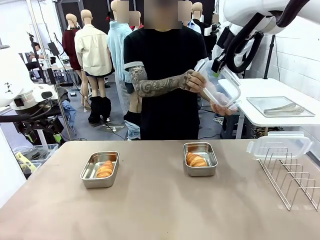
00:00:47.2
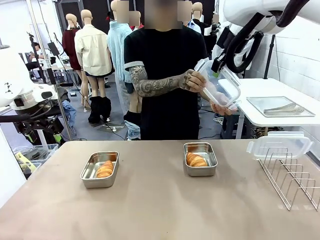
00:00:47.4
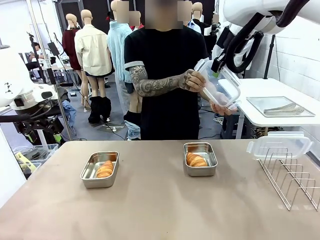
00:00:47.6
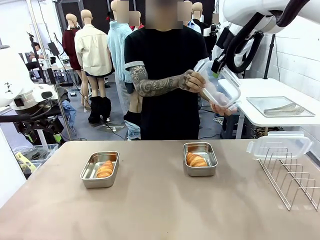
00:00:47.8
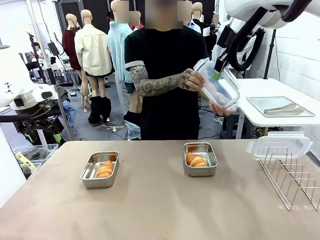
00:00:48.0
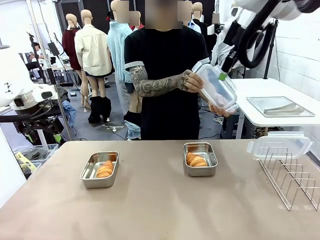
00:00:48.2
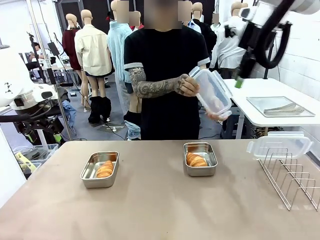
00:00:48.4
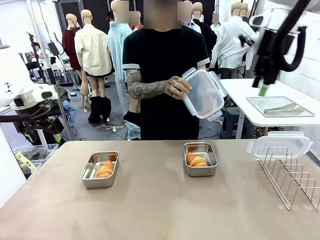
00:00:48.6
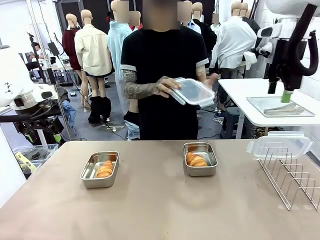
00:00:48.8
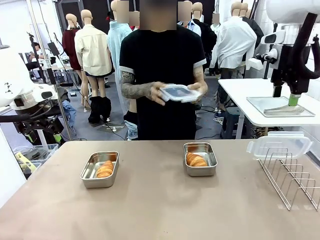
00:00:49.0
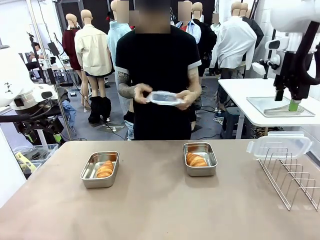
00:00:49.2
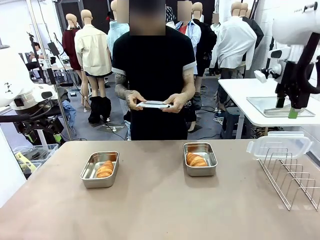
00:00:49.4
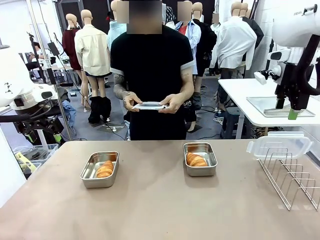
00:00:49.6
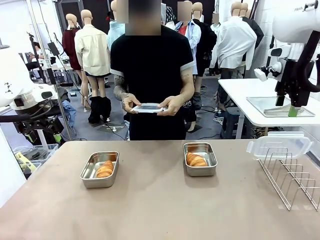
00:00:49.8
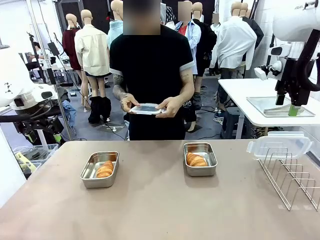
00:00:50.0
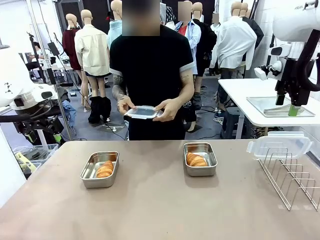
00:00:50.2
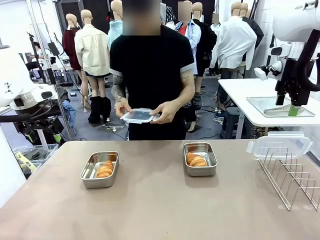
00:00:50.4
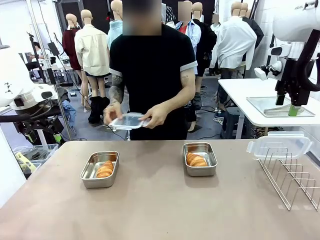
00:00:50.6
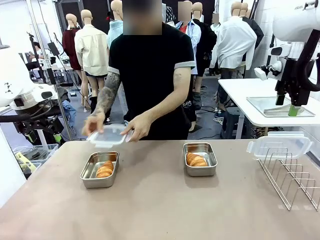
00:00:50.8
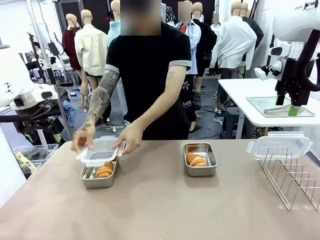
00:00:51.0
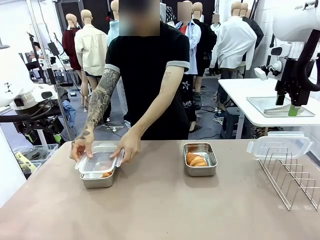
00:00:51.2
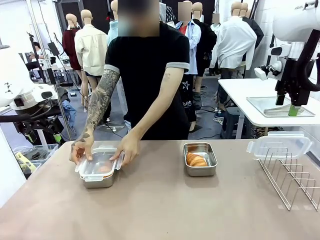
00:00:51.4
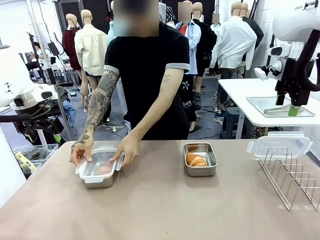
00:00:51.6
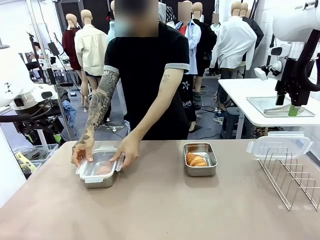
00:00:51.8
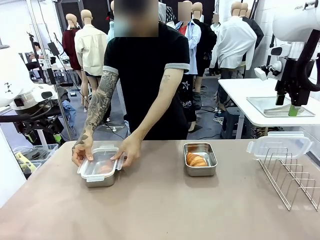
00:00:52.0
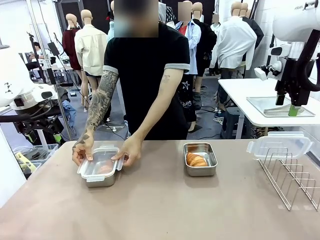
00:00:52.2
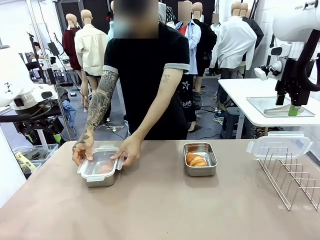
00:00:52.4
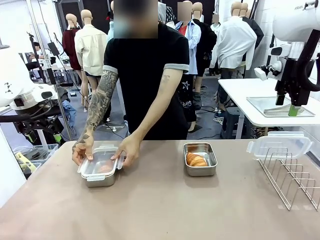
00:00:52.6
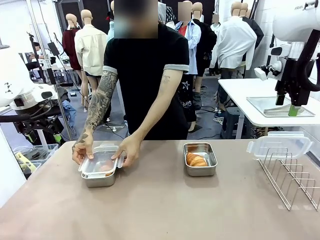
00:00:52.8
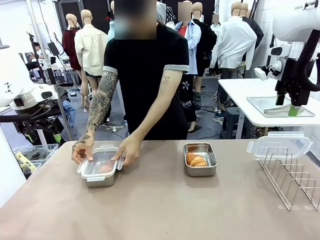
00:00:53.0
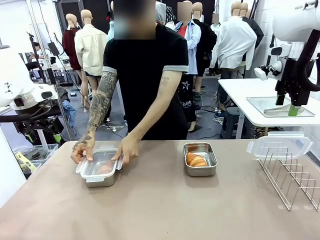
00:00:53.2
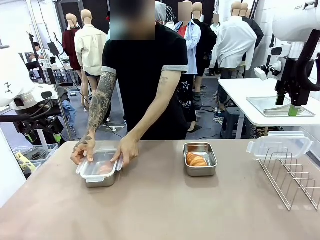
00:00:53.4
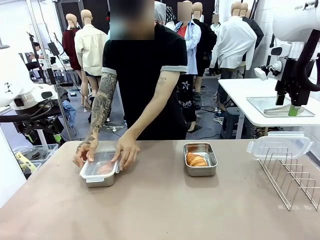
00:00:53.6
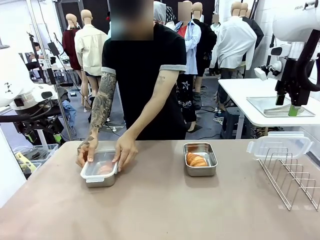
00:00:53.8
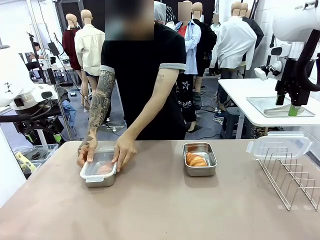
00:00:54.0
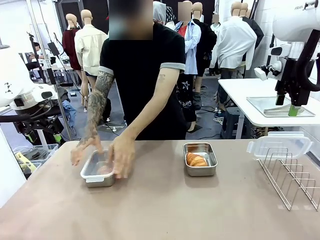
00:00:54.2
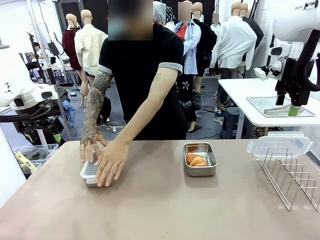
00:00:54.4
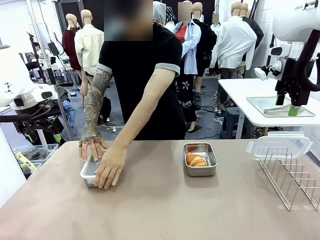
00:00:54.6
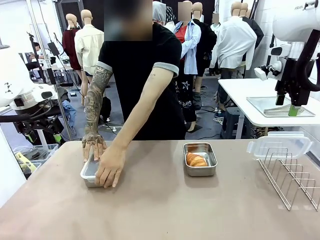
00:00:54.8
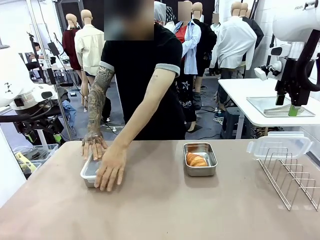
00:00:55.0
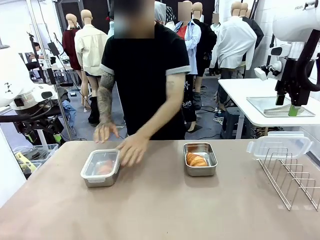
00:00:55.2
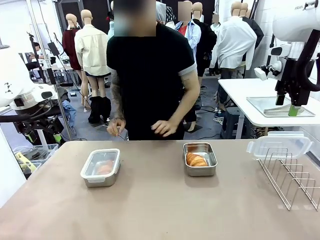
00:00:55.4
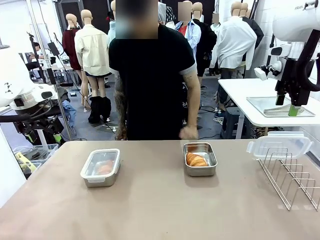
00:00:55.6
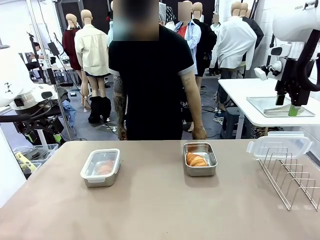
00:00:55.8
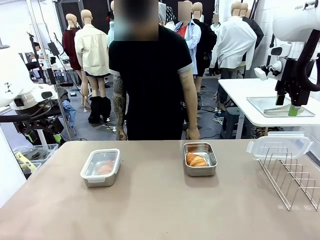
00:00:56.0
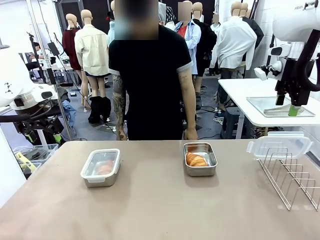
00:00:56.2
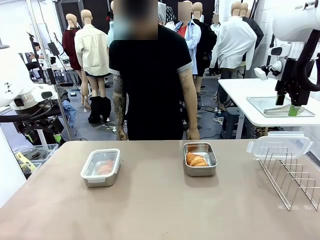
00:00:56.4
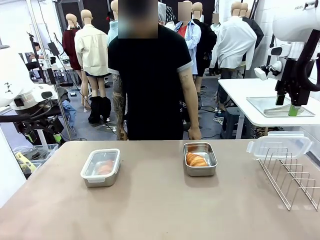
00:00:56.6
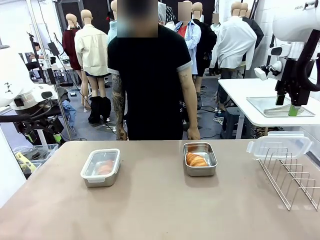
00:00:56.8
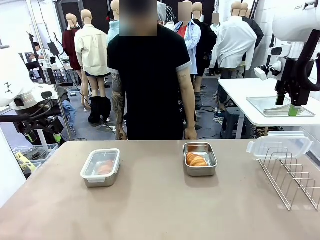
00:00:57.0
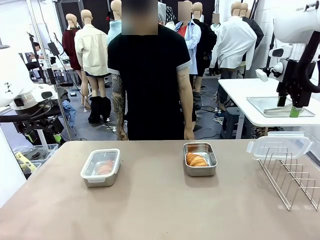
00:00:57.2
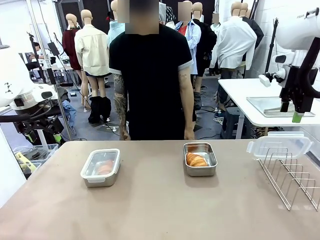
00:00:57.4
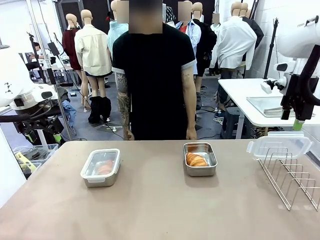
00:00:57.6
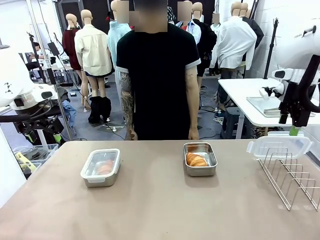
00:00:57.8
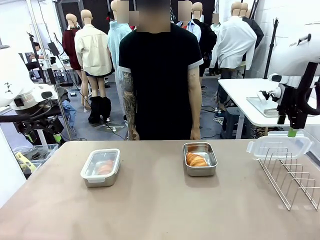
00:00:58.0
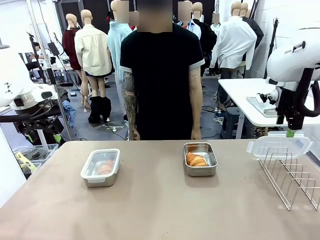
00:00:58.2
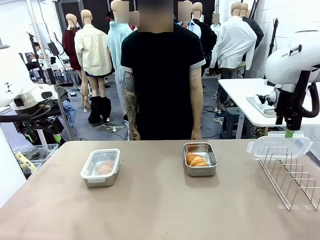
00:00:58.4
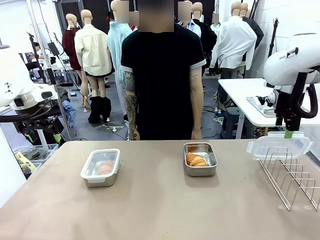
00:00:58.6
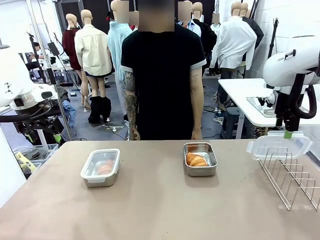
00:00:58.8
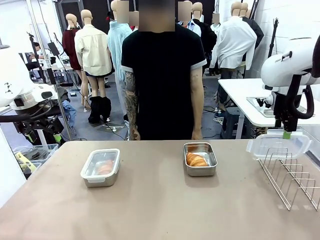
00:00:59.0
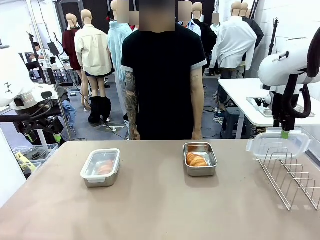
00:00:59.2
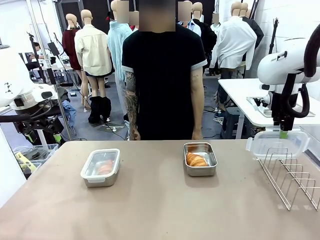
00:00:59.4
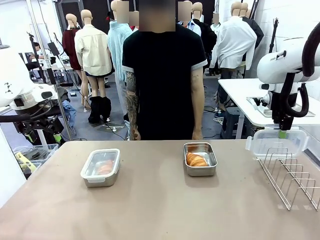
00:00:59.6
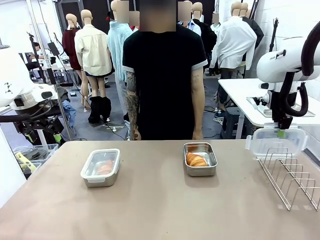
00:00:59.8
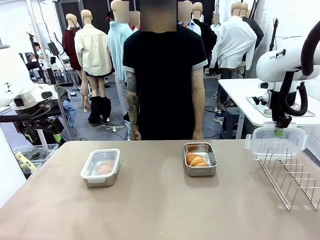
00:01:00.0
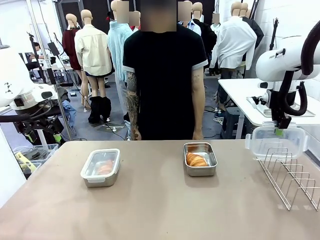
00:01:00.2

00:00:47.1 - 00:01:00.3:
Task: Place the bread in airtight containers.
Robot: Pick up one Airtight Container lid and hand it to the human.
Person: Close Airtight Container with a handed Airtight Container lid.

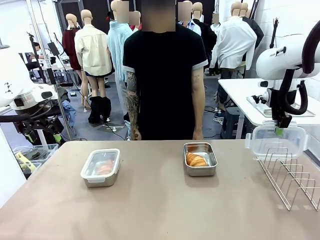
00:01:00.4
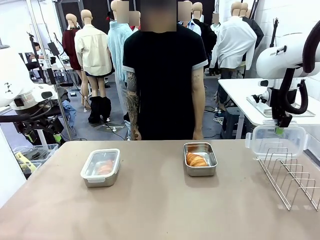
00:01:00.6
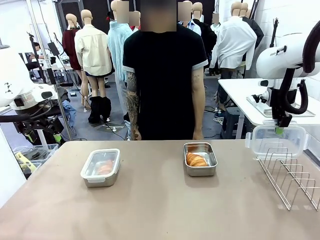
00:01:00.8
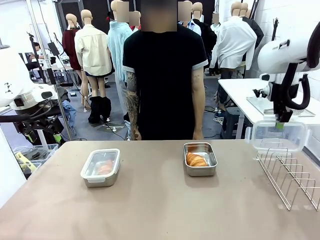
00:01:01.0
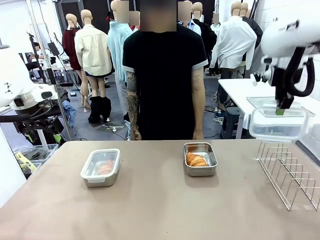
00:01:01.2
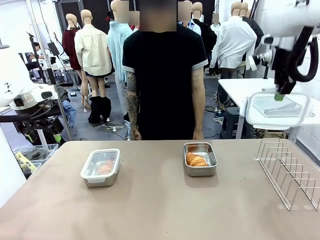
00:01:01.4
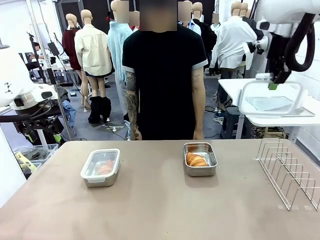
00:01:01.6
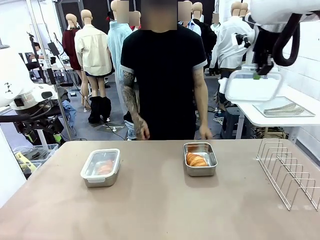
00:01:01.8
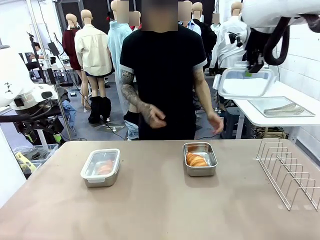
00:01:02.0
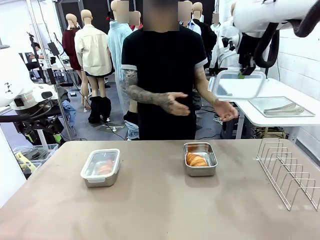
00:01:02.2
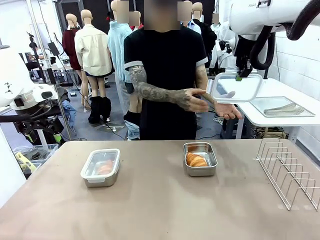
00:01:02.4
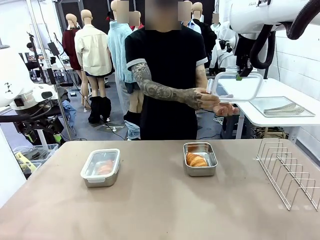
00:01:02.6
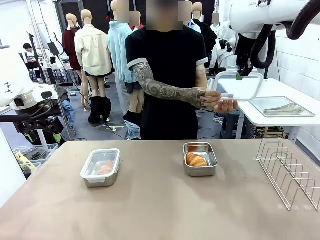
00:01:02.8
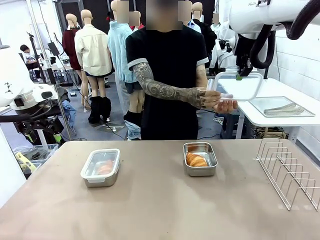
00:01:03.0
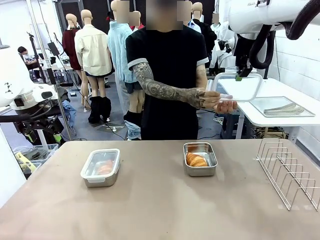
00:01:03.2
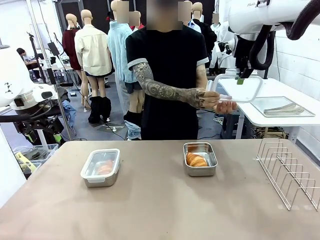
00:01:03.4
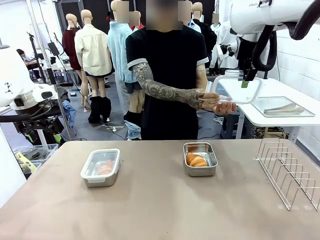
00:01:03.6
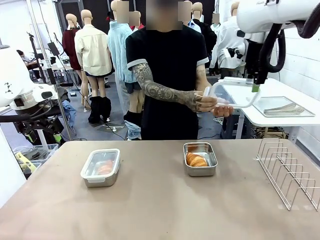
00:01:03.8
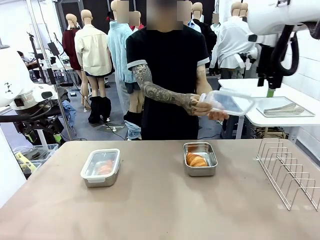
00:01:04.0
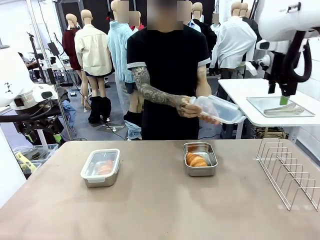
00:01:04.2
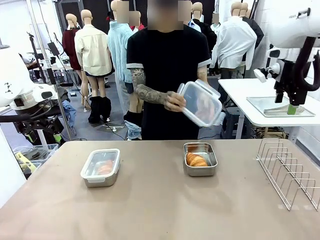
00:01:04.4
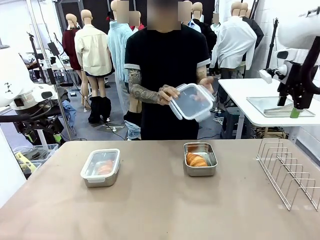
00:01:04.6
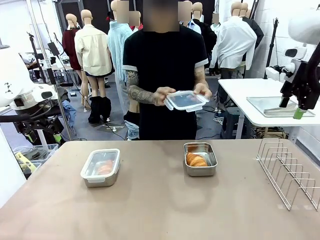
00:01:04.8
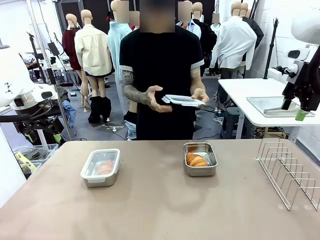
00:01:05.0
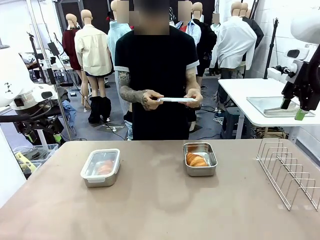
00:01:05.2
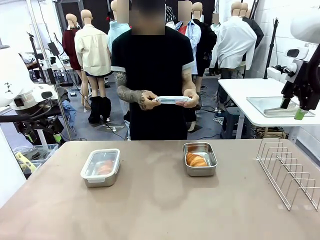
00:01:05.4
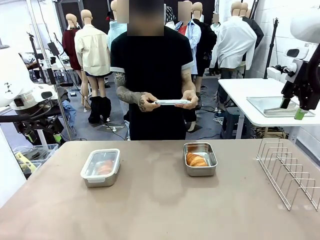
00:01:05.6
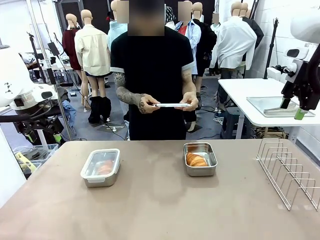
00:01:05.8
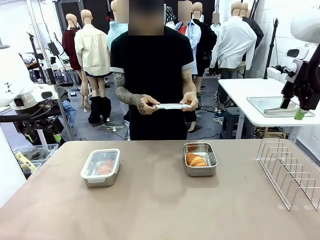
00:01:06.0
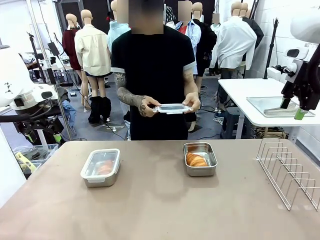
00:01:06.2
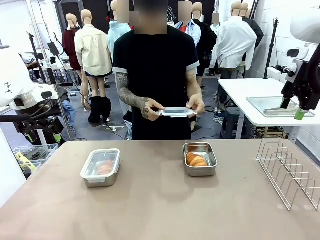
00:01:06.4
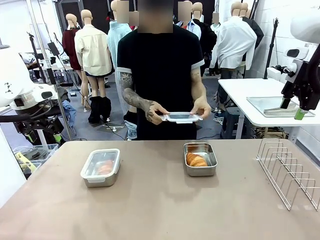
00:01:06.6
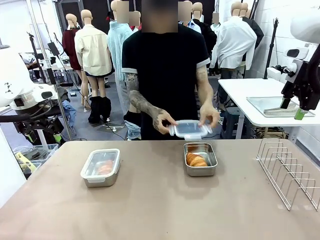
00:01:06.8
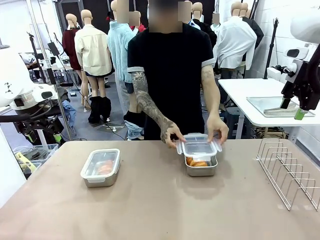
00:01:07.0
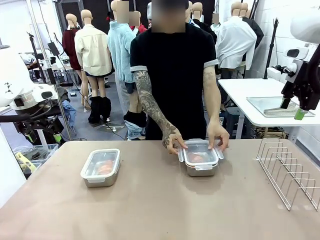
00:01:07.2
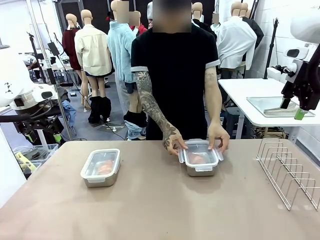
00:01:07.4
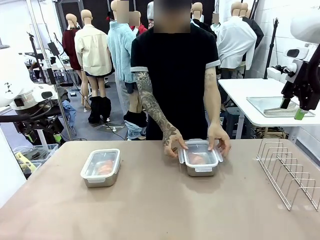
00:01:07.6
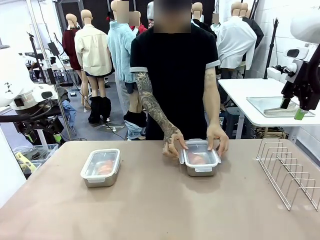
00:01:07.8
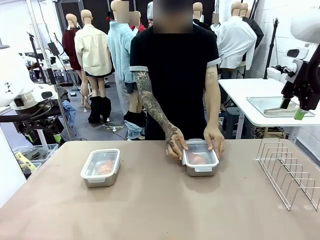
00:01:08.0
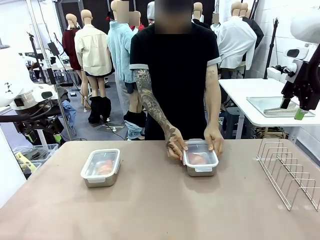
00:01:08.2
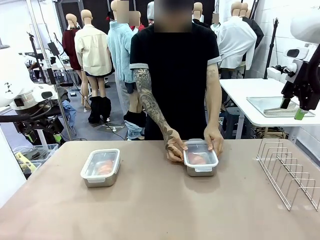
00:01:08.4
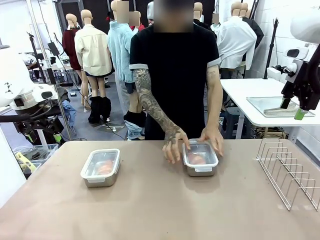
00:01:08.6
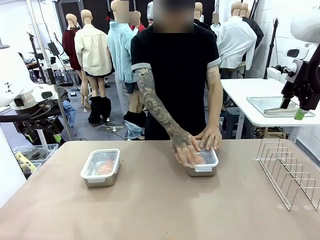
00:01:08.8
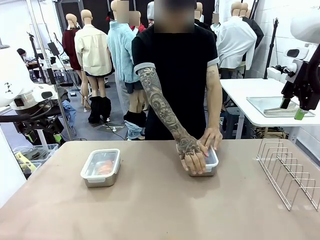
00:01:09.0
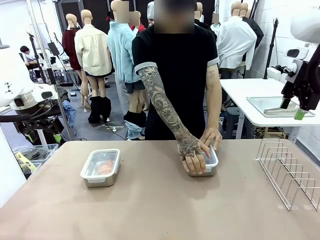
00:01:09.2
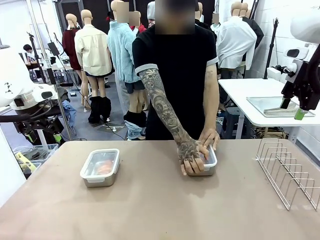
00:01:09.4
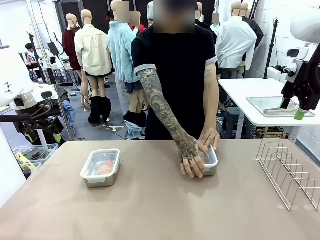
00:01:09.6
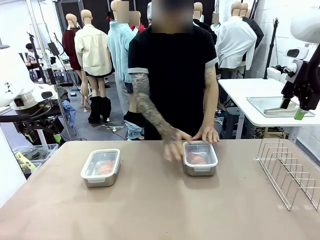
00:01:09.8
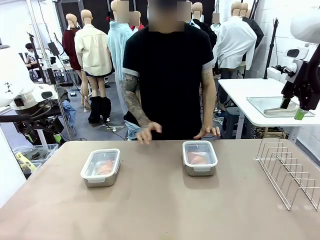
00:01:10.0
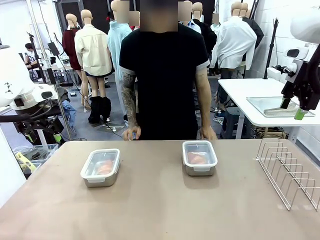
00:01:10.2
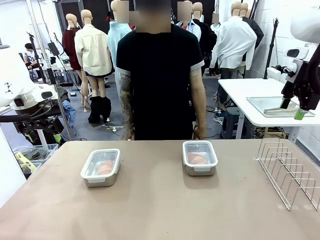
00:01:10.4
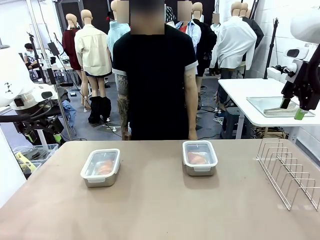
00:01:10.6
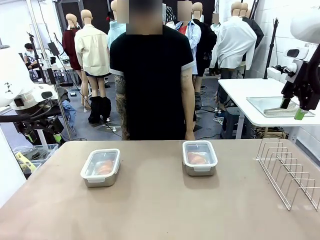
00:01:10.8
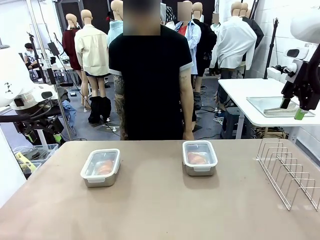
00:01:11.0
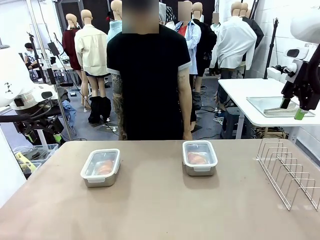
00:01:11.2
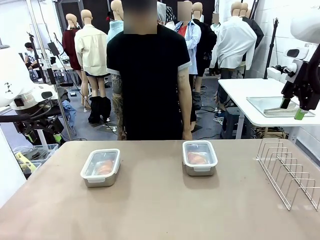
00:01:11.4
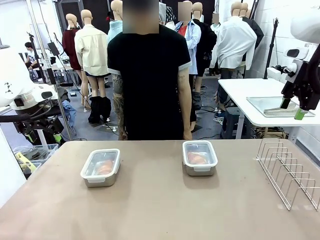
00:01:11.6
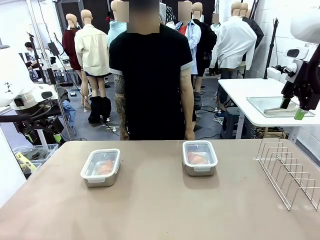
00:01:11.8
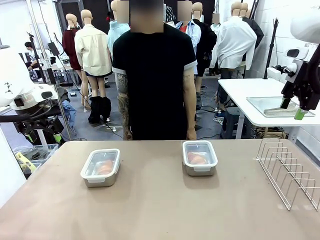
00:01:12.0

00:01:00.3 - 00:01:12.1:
Robot: Release when the human grabs the Airtight Container lid.
Person: Grip Airtight Container lid that robot is handing. Close Airtight Container with a handed Airtight Container lid.
